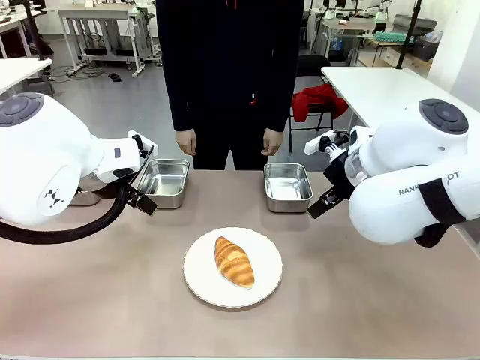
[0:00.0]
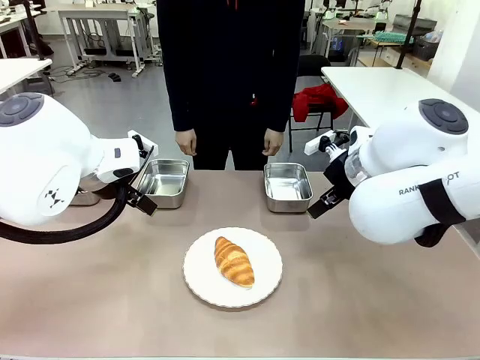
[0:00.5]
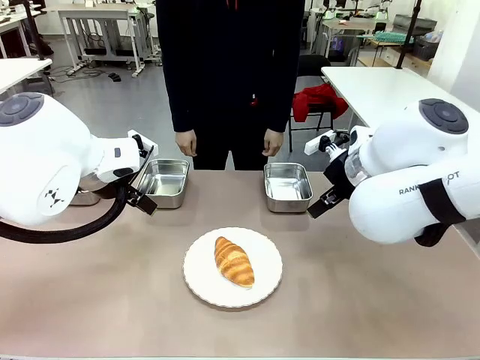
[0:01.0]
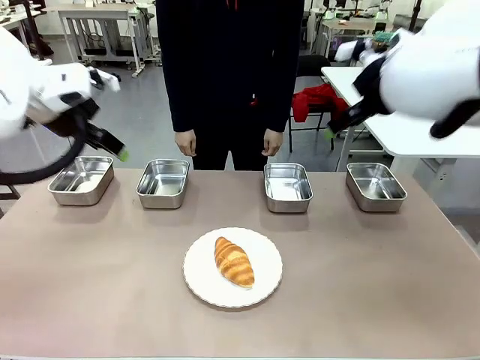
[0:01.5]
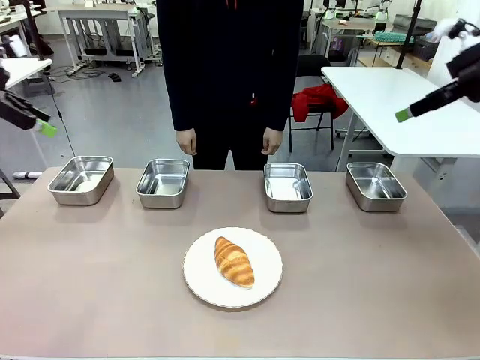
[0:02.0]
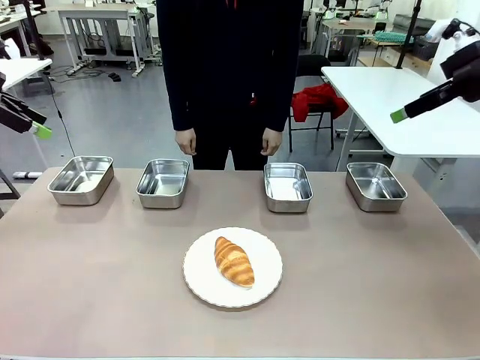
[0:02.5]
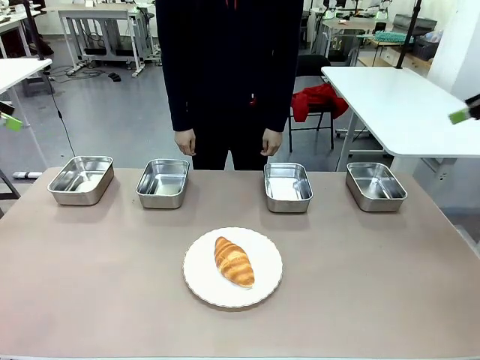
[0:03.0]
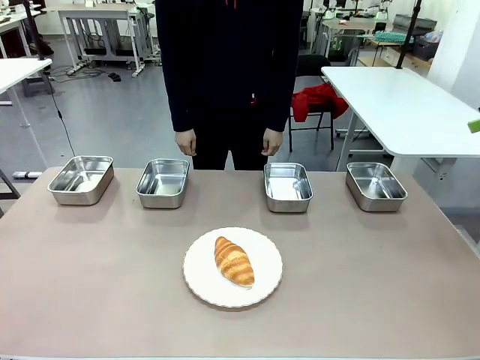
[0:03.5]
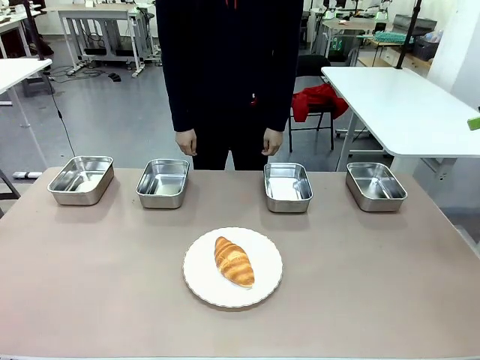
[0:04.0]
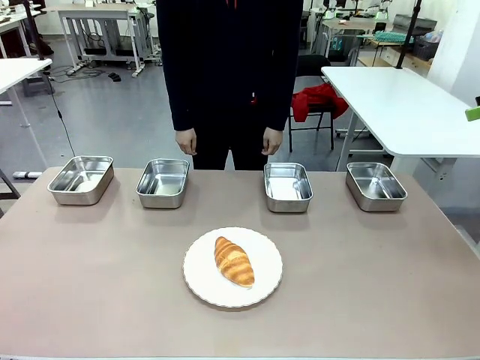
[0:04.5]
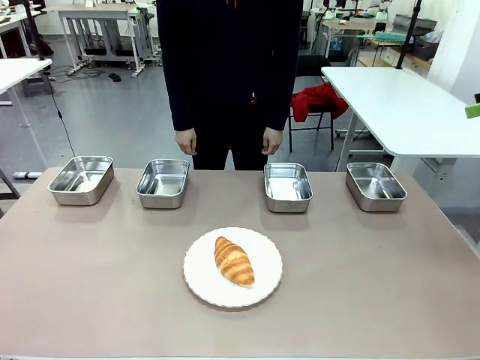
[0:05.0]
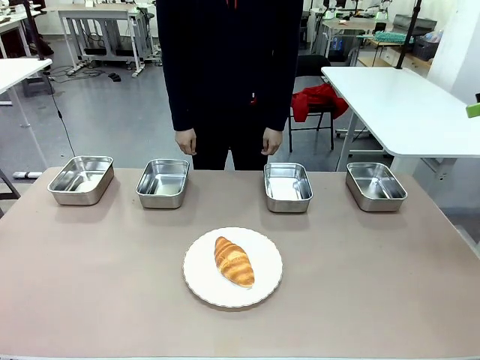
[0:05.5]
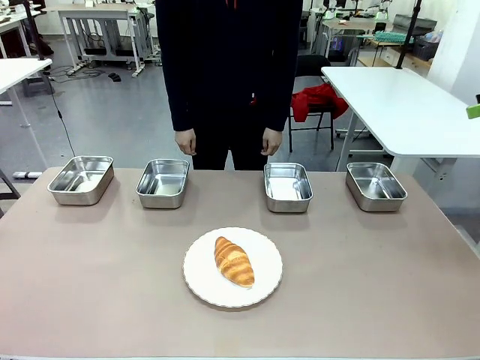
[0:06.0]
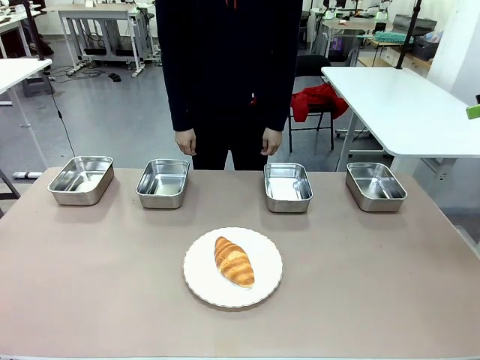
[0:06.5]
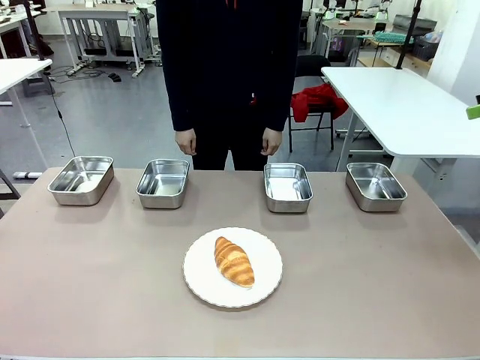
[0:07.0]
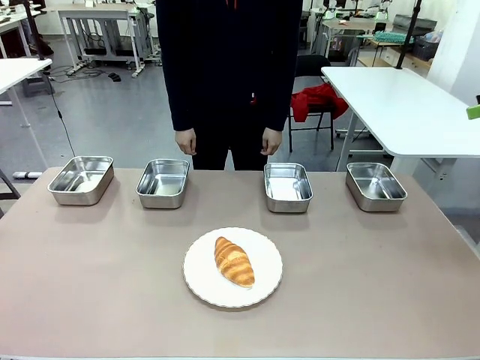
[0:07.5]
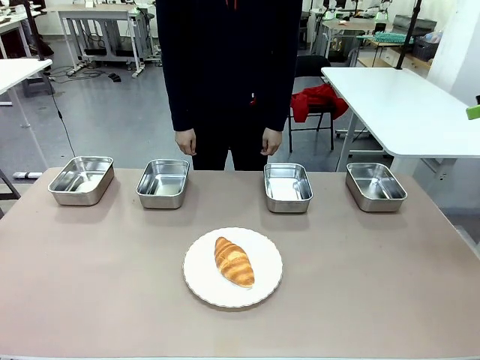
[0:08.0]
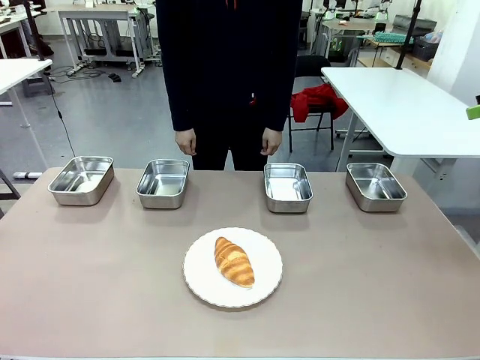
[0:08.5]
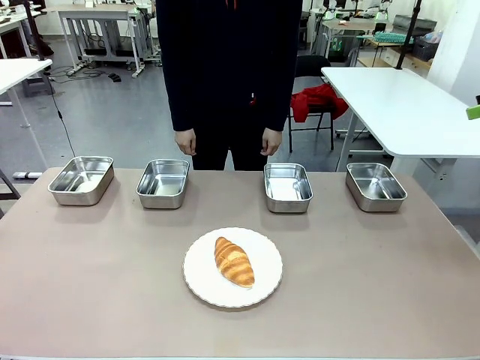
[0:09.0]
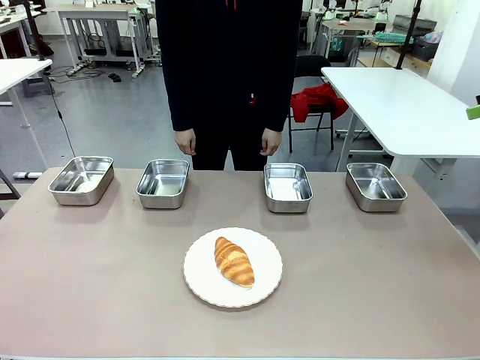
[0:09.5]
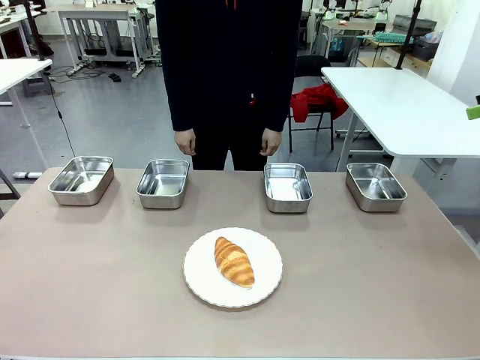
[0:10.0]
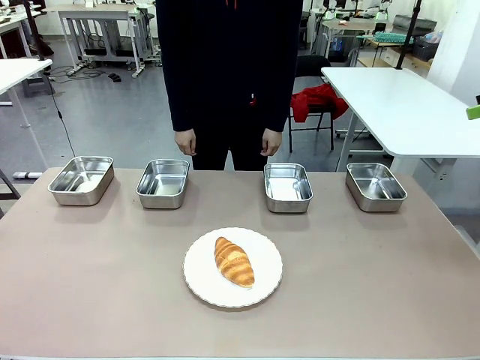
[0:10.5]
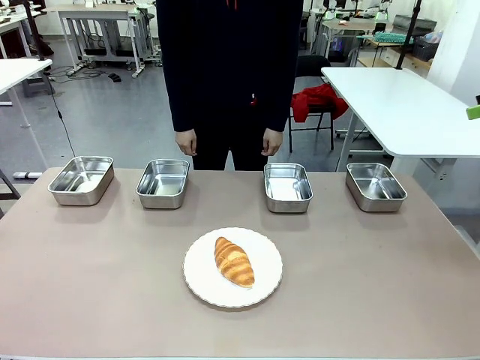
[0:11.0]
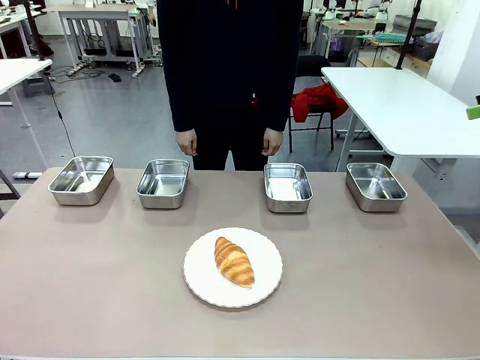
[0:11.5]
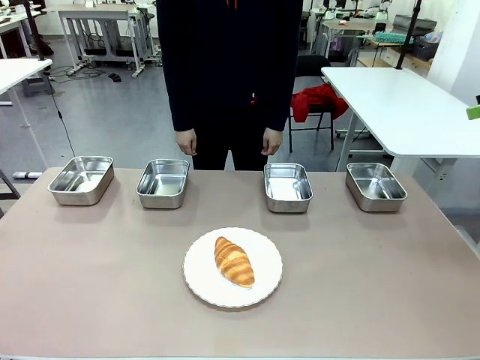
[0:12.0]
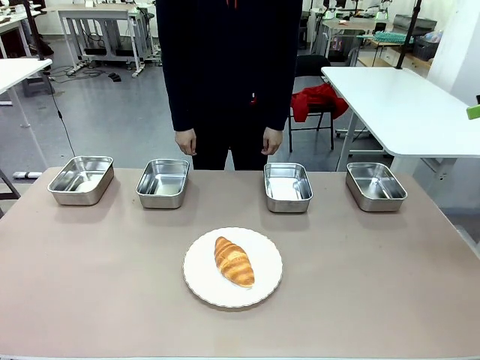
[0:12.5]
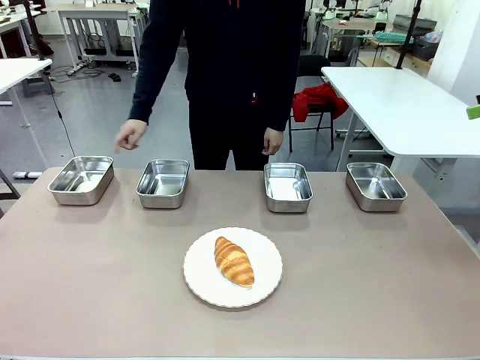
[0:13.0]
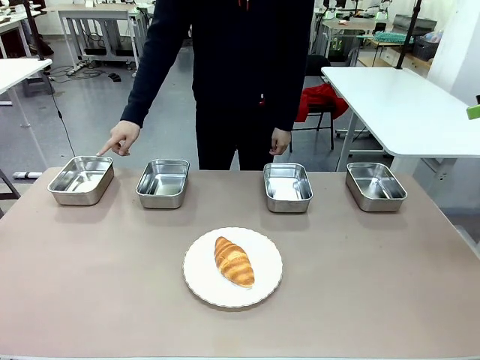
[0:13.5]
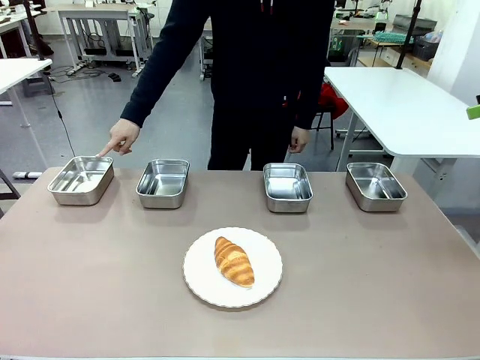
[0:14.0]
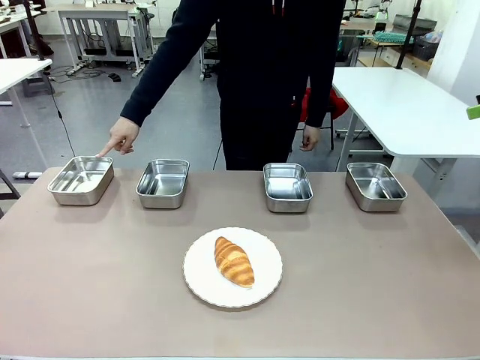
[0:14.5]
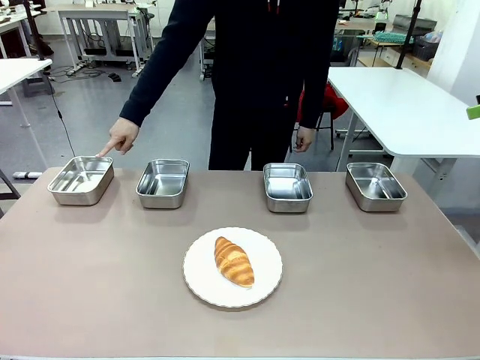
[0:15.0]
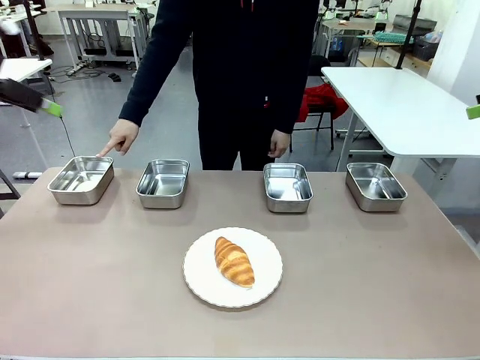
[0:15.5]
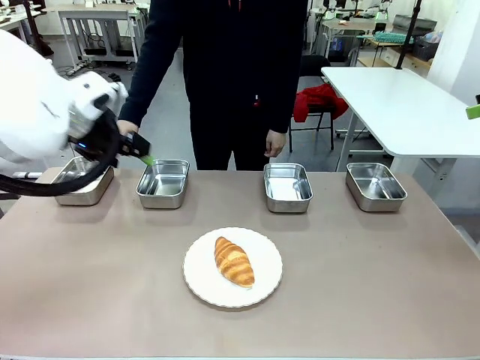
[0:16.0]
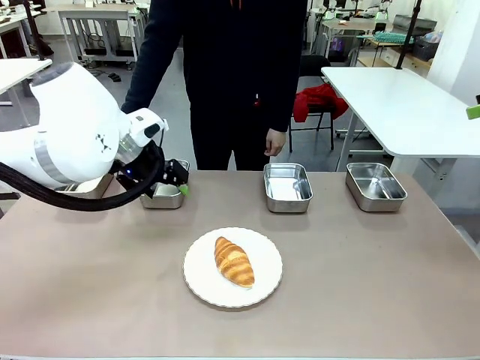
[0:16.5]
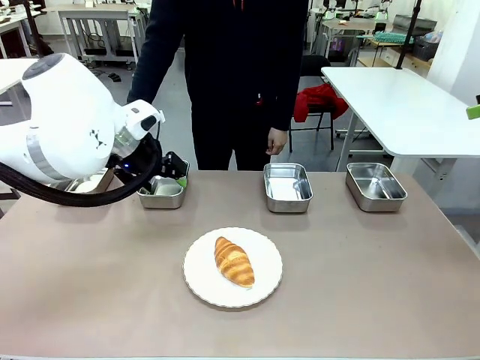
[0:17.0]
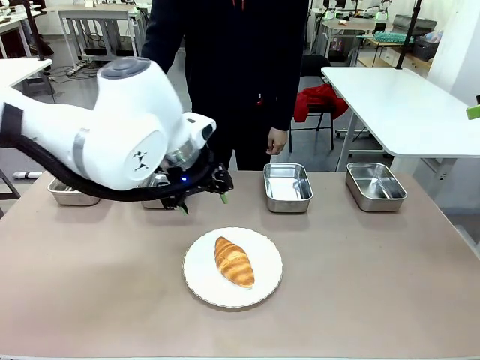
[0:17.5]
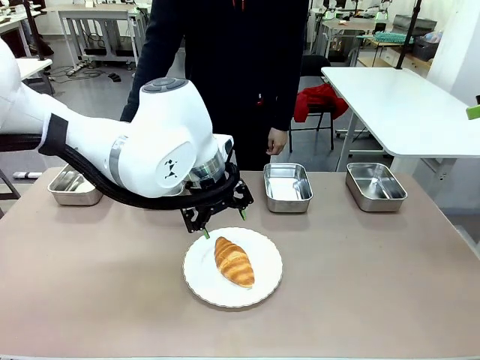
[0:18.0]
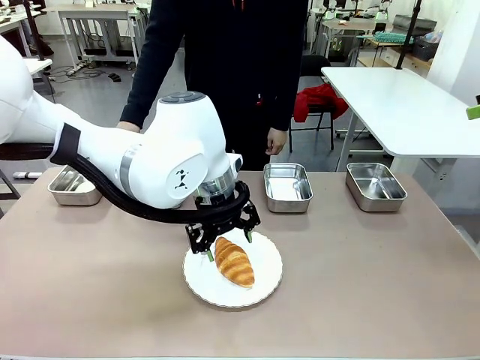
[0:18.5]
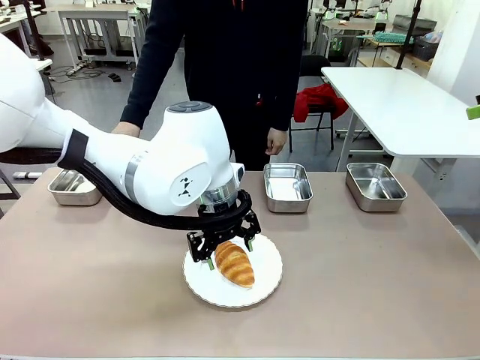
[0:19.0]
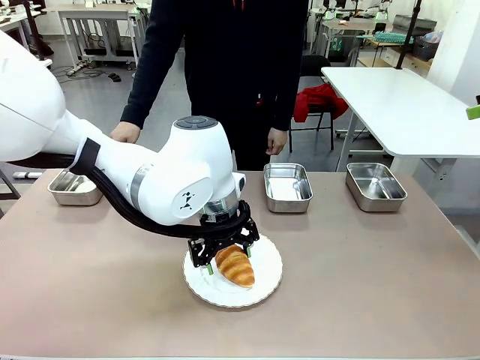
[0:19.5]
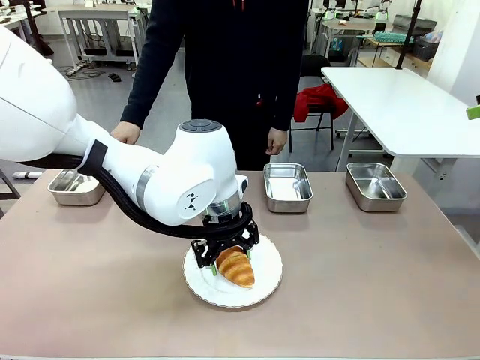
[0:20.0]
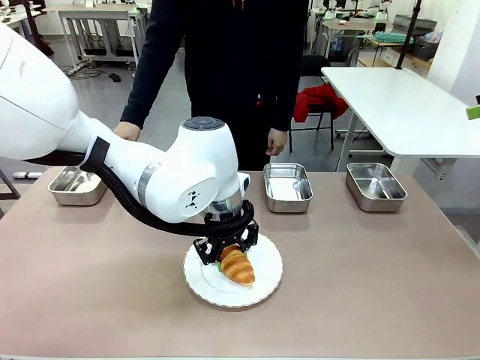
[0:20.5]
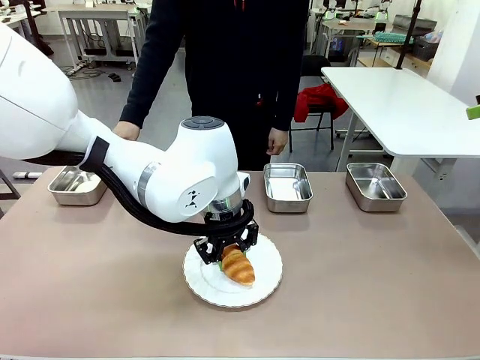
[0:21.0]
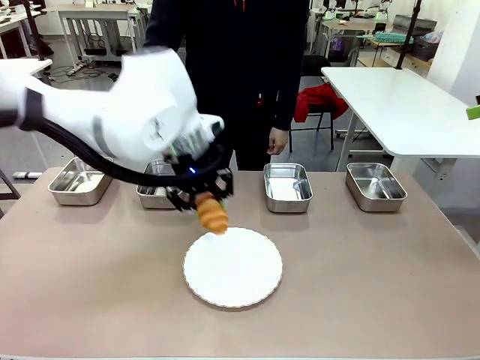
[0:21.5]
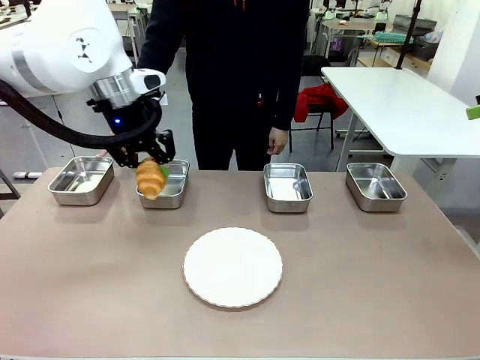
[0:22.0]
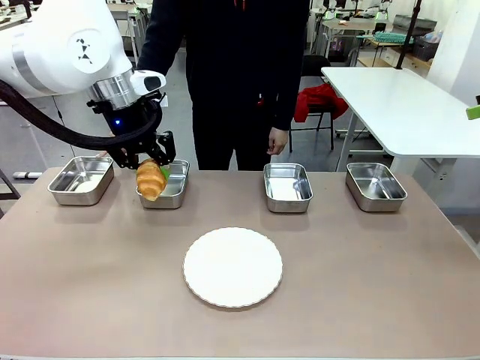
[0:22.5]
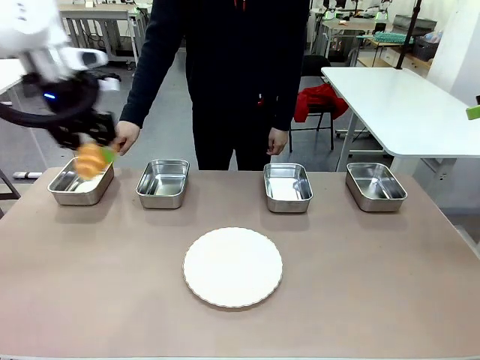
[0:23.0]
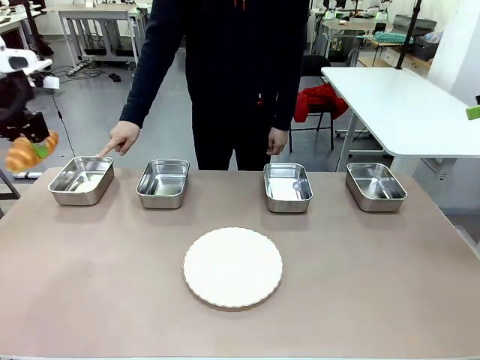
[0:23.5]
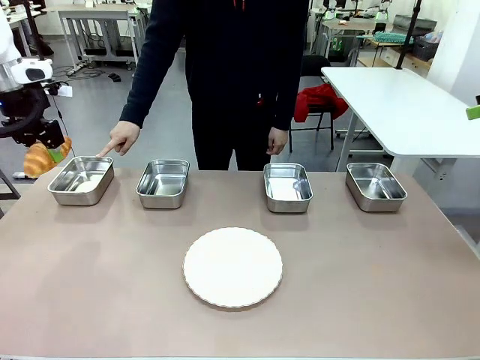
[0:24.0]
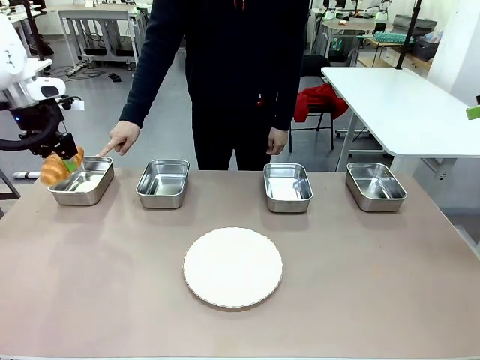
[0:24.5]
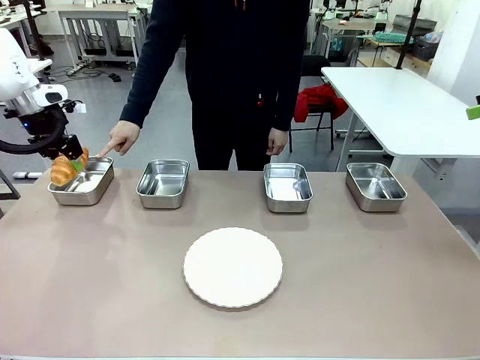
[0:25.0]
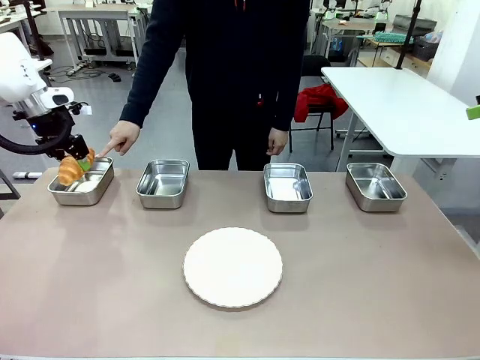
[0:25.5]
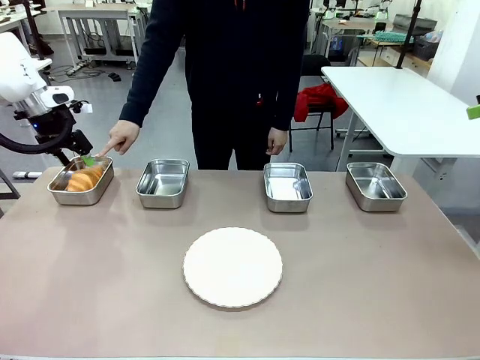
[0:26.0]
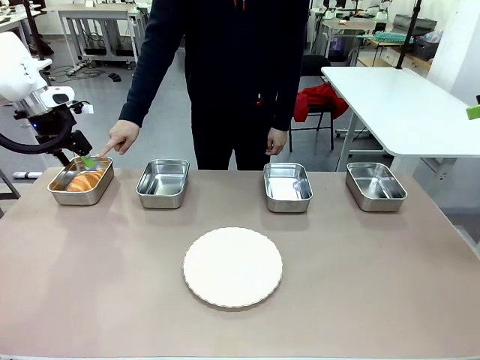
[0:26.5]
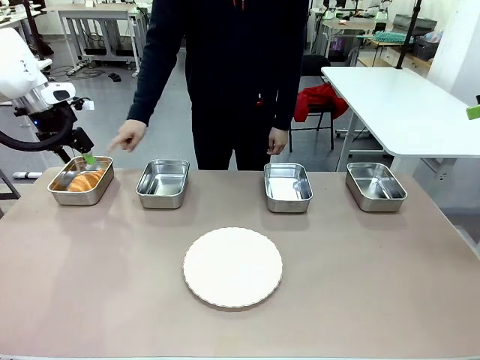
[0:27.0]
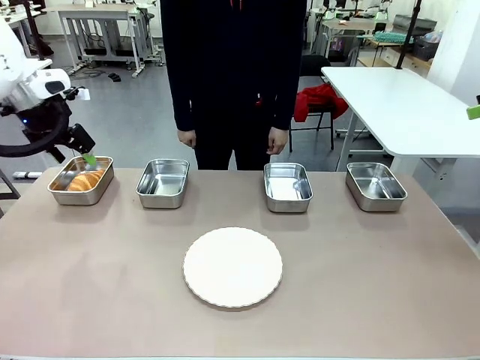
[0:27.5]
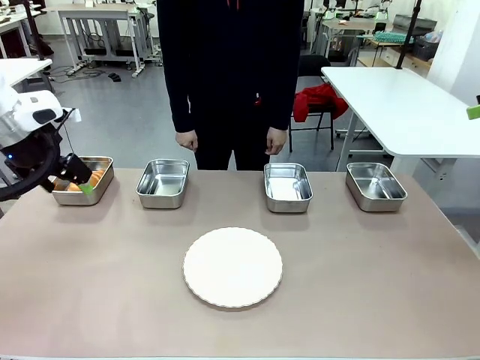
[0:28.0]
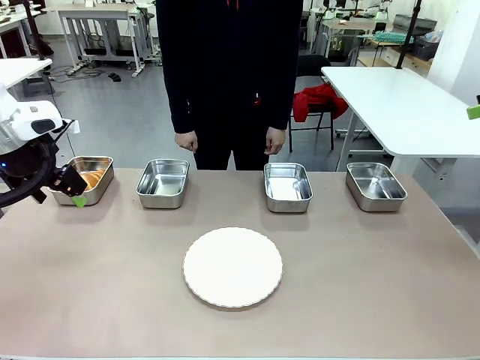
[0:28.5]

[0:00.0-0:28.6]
Task: Place the bread in the container.
Robot: Place the Butter Roll into the Airtight Container indicated by the human.
Person: A person randomly selects and points to an Airtight Container.
